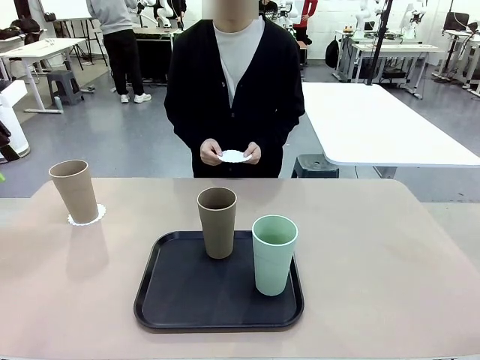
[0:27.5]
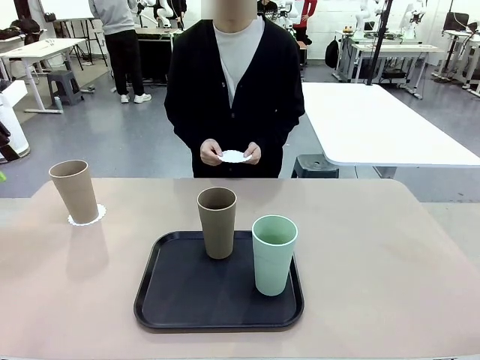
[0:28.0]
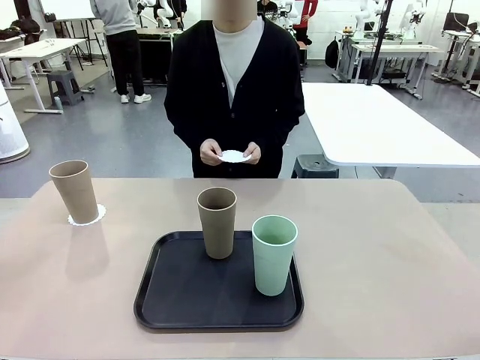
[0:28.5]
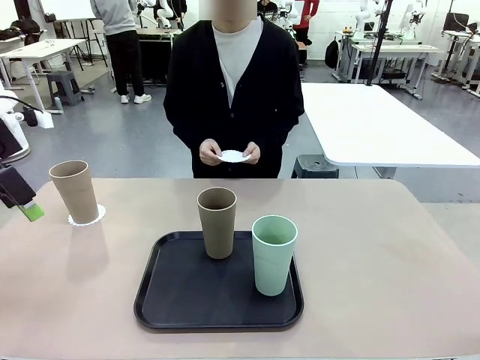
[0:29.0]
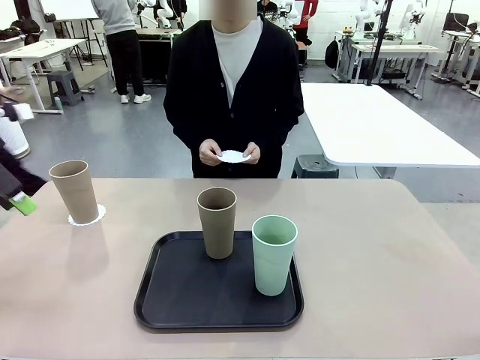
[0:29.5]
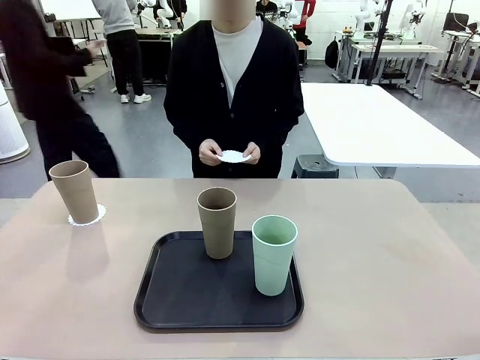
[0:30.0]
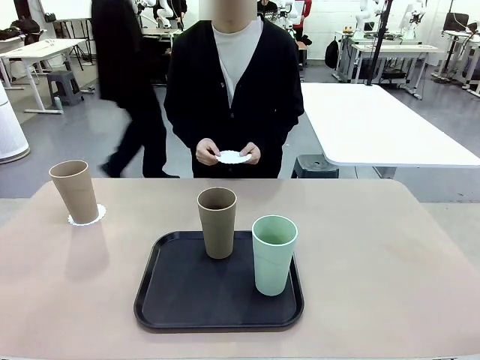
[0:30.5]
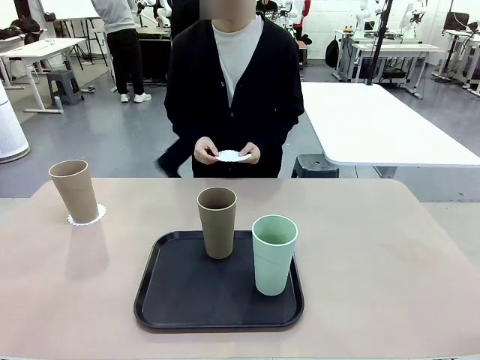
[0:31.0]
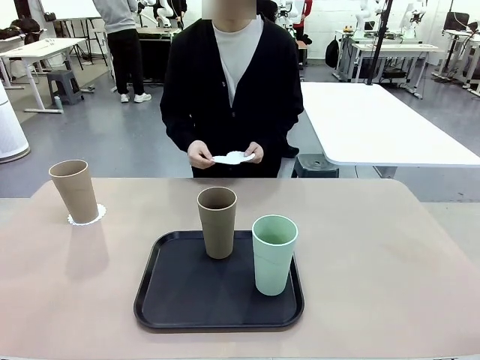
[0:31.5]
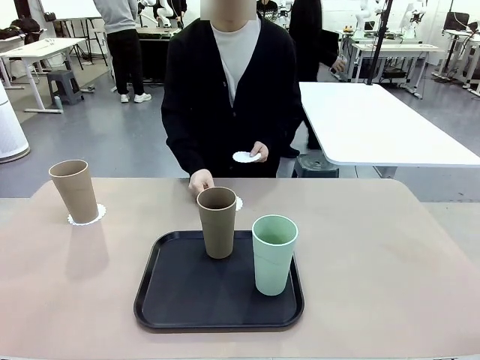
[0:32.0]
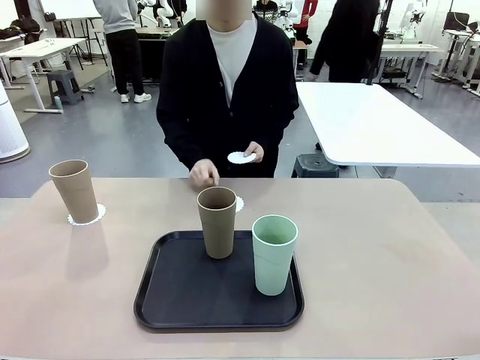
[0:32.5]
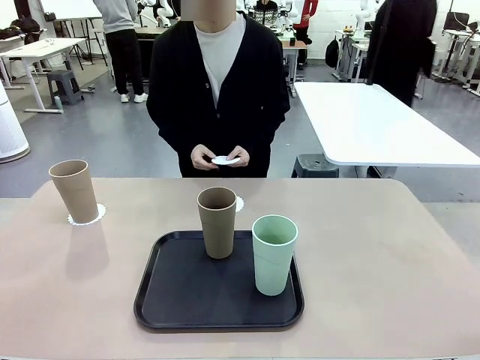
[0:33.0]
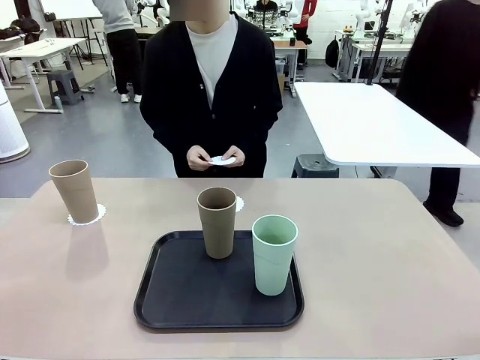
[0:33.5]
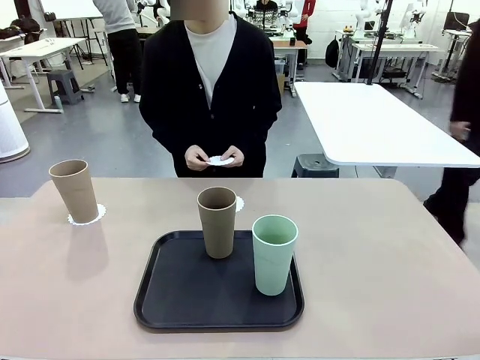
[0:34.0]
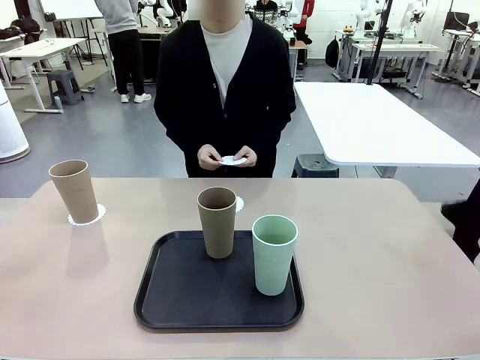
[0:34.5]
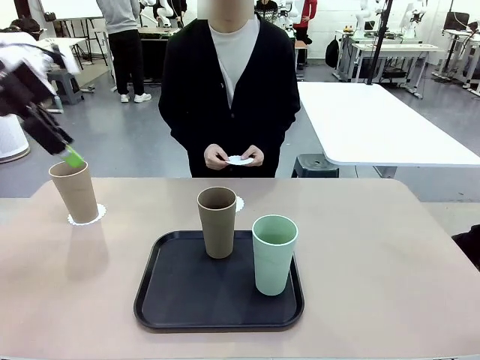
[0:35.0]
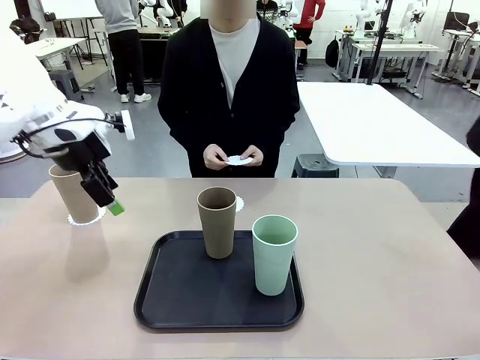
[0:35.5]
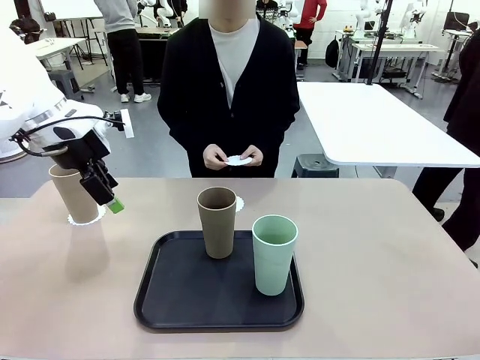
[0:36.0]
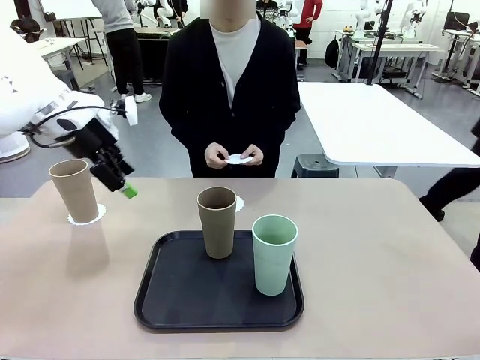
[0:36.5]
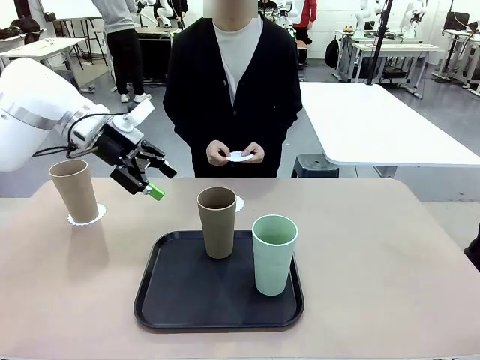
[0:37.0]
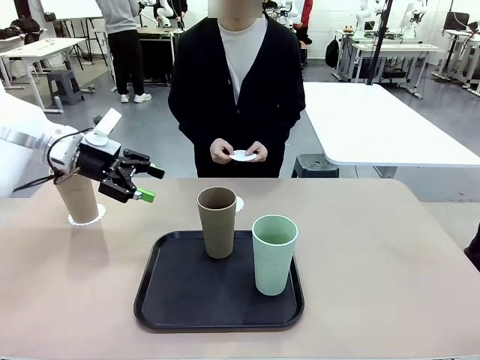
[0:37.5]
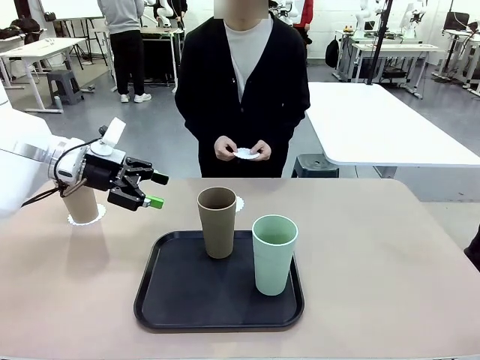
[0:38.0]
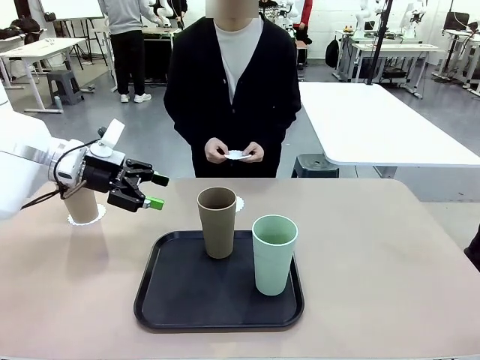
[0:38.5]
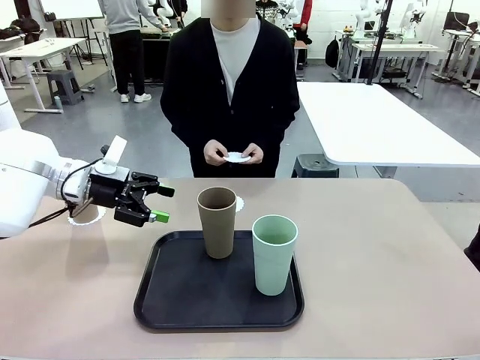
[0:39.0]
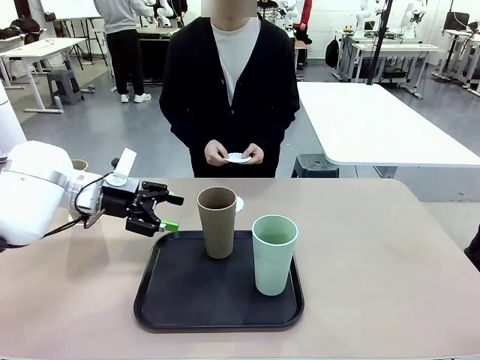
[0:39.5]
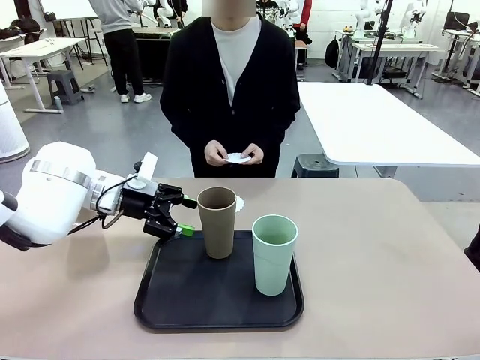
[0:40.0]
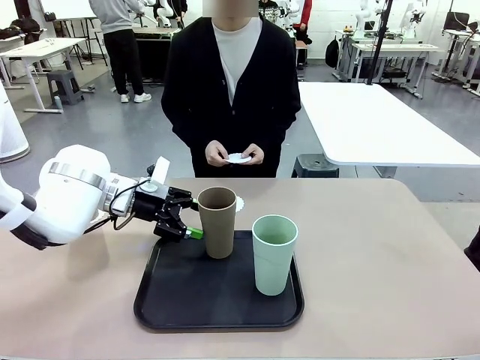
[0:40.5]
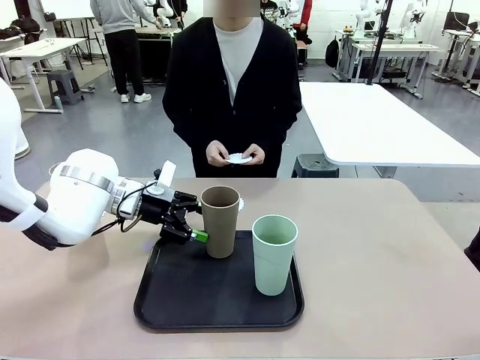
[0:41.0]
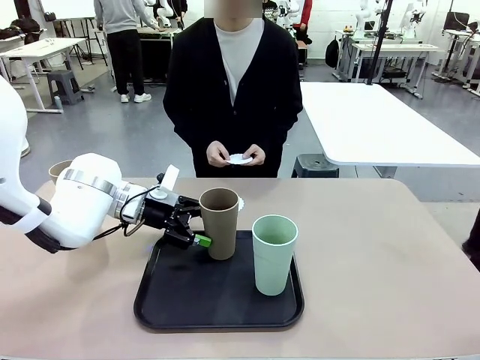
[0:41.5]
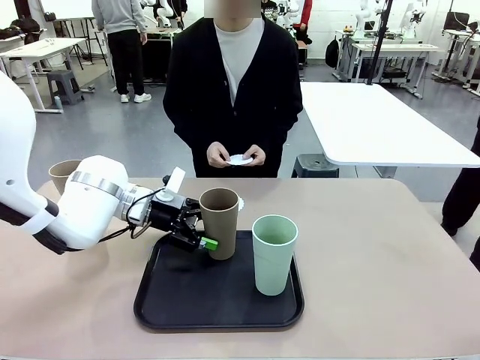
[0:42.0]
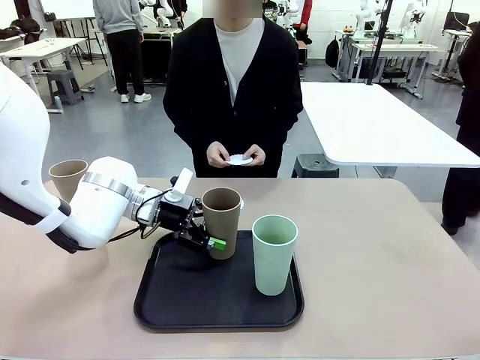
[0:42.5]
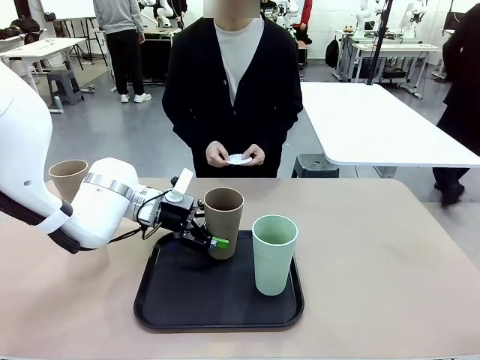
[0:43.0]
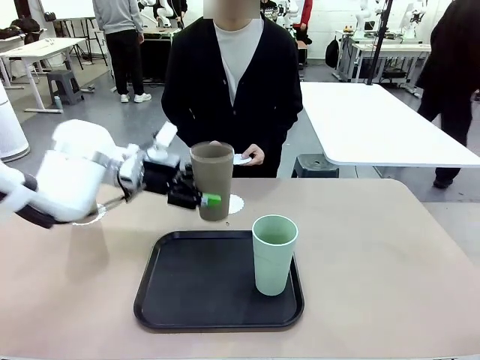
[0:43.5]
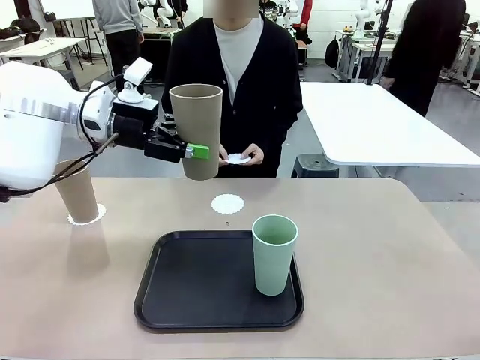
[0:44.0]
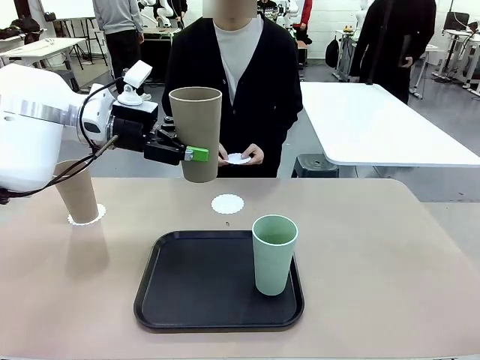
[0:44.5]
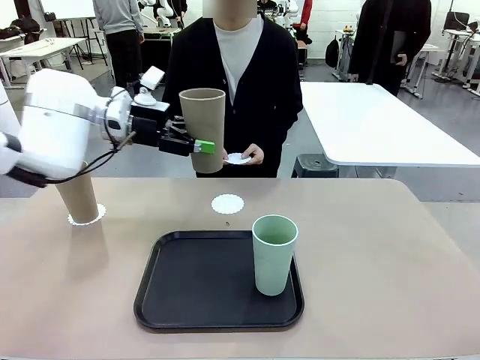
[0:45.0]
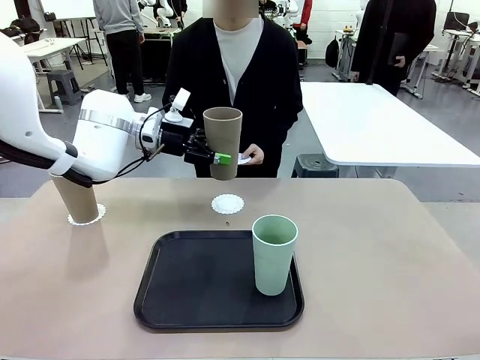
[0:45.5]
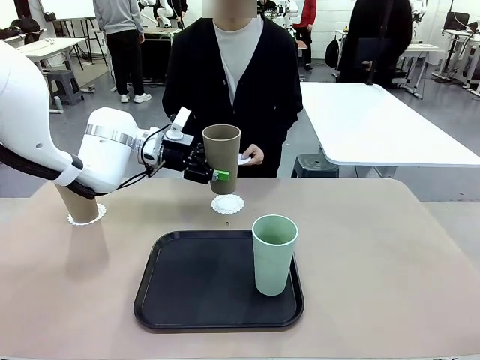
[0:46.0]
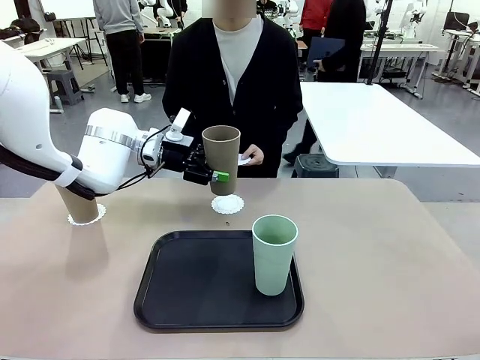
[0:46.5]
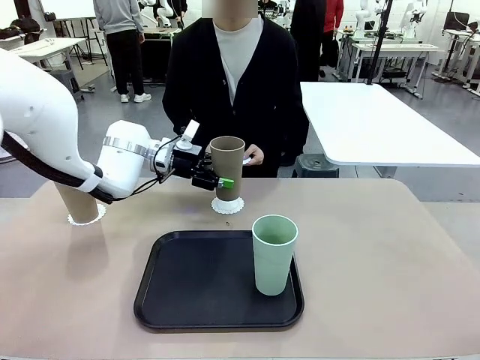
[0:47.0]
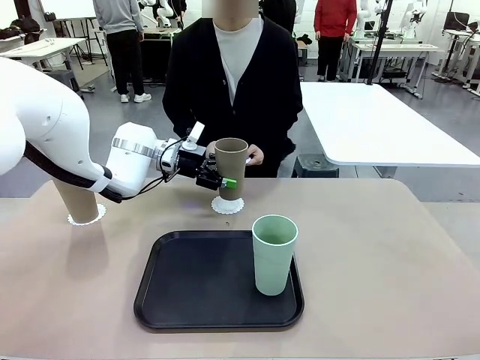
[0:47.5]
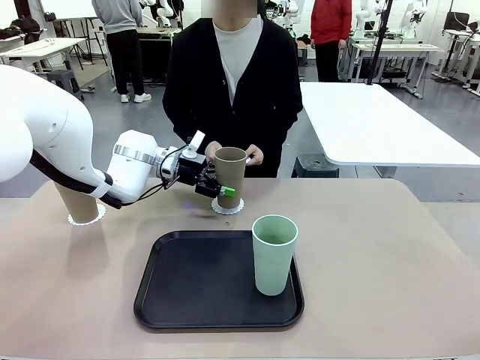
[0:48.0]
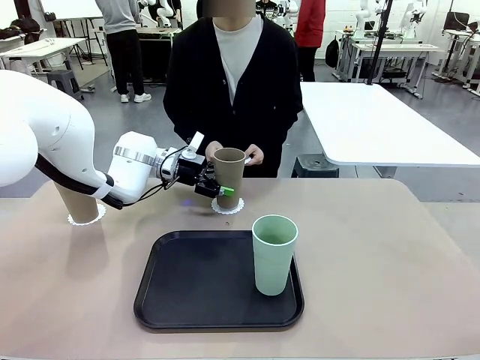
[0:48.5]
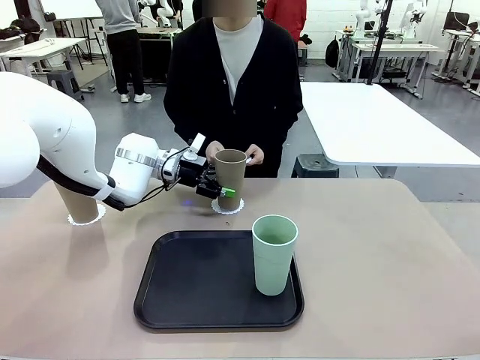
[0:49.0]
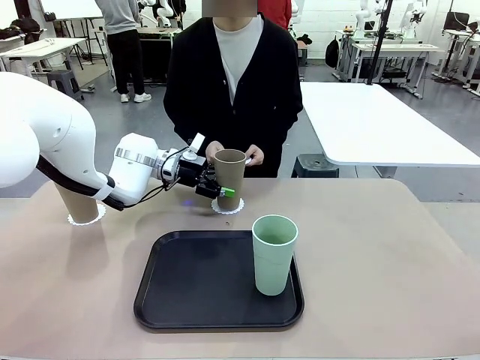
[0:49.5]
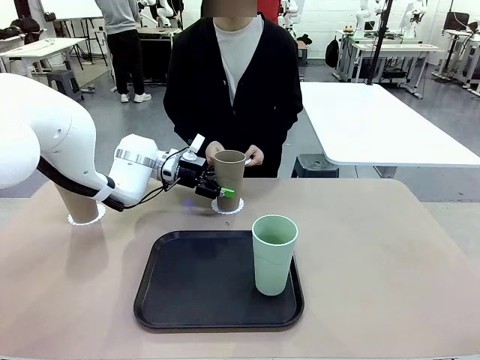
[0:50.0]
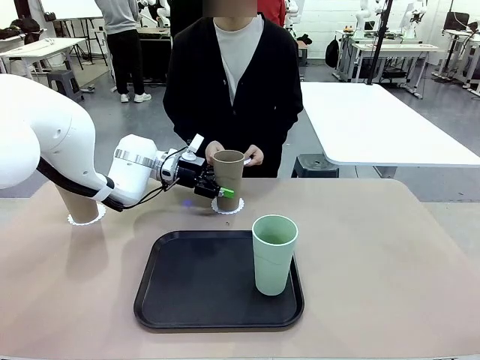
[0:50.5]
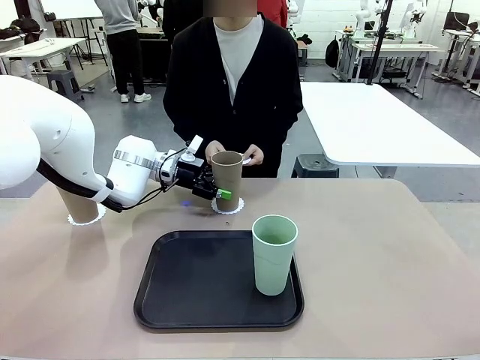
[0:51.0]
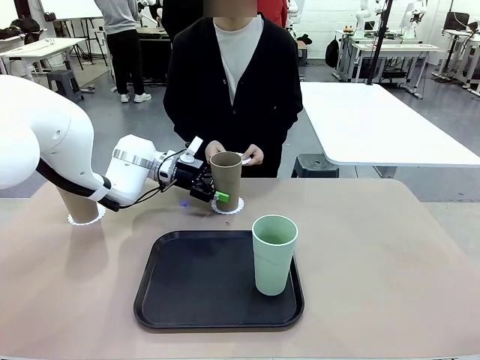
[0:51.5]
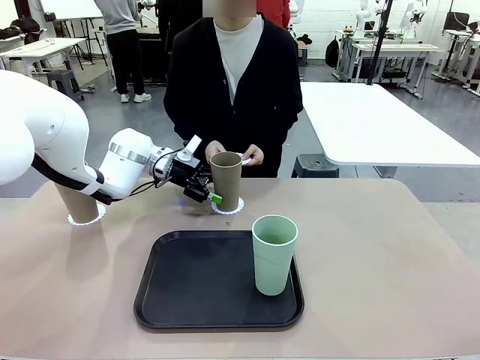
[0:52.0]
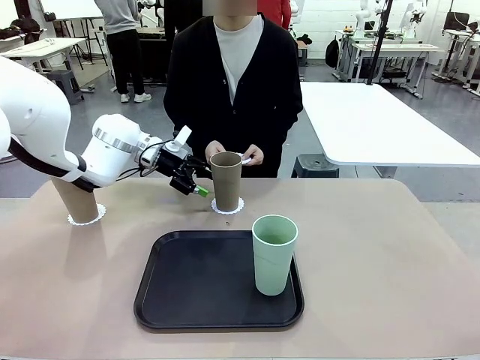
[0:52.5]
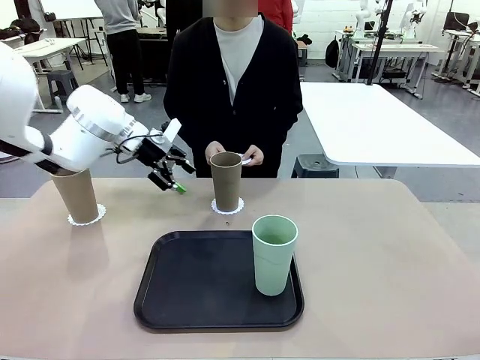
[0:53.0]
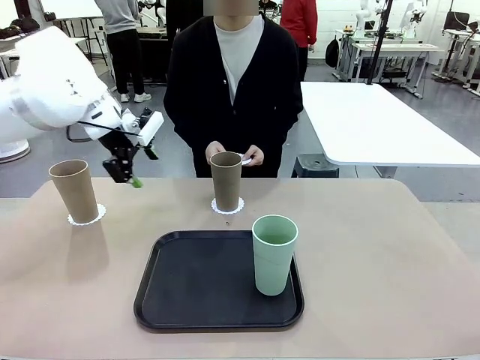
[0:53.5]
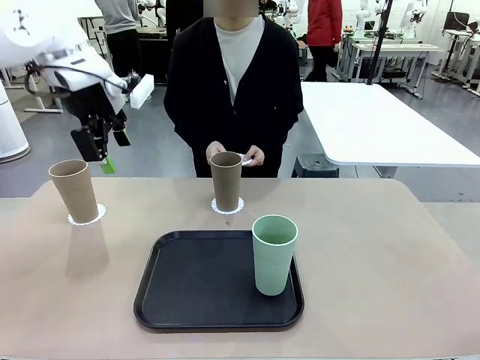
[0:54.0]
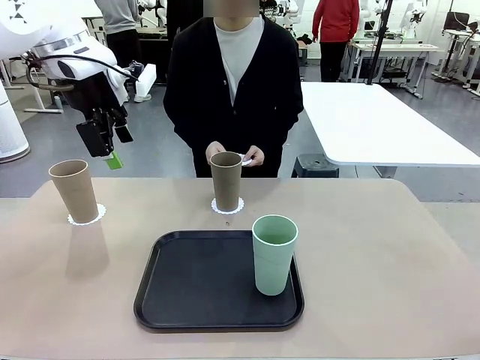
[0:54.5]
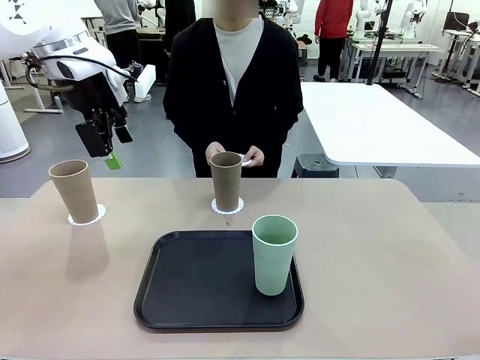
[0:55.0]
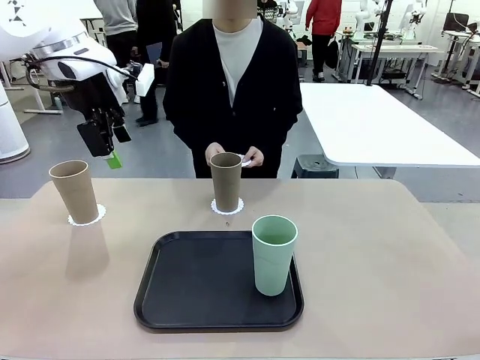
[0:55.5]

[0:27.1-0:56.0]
Task: Place coasters on the table and set cups on them.
Robot: Take one Reusable plastic cup from the Flat Tray and place it on a coaster set by the human.
